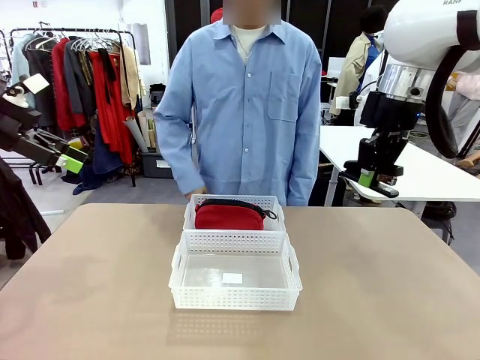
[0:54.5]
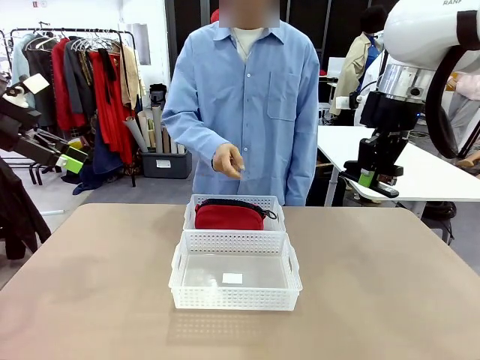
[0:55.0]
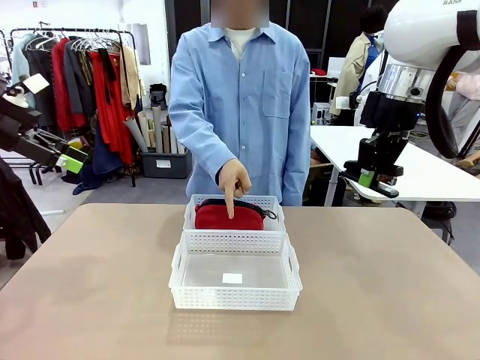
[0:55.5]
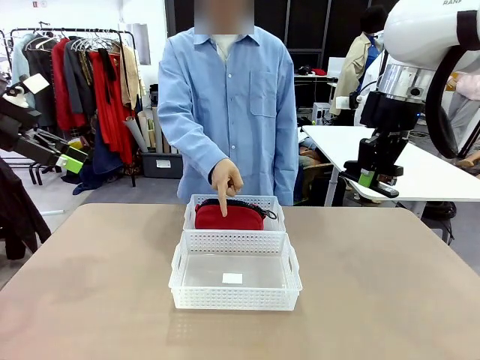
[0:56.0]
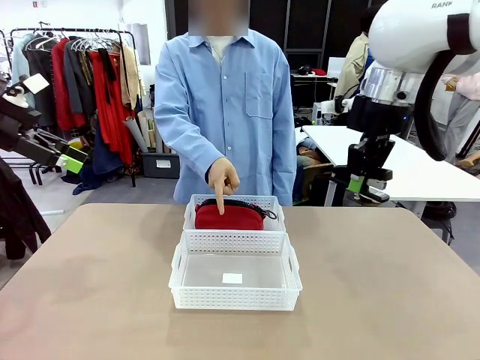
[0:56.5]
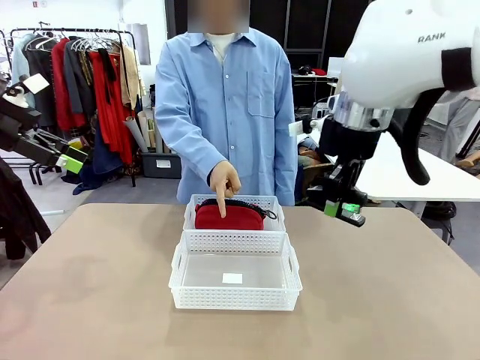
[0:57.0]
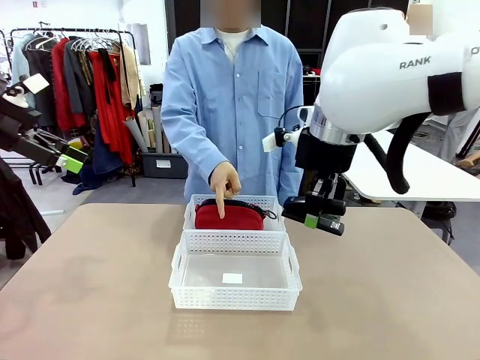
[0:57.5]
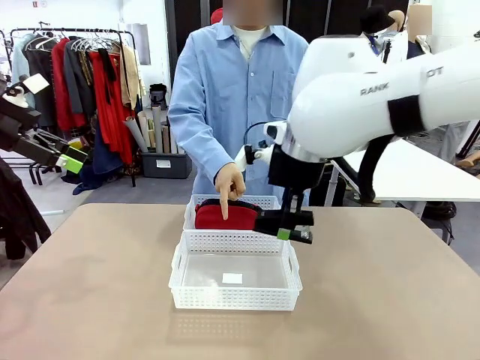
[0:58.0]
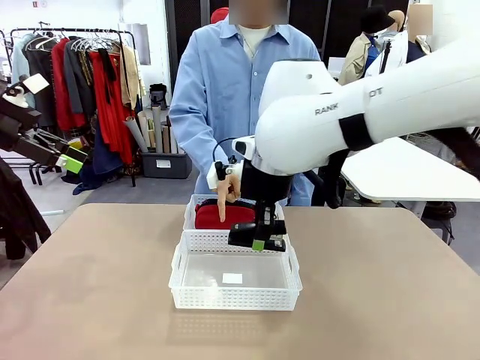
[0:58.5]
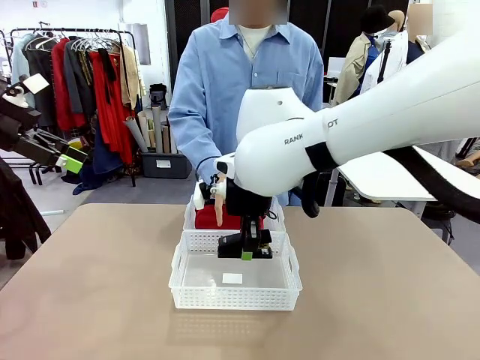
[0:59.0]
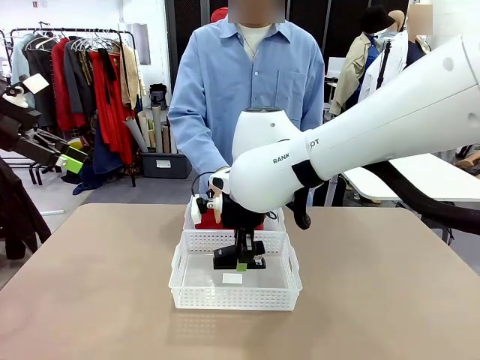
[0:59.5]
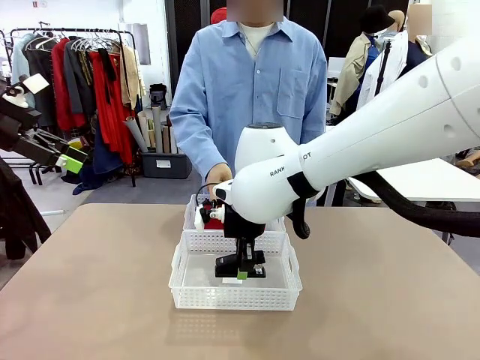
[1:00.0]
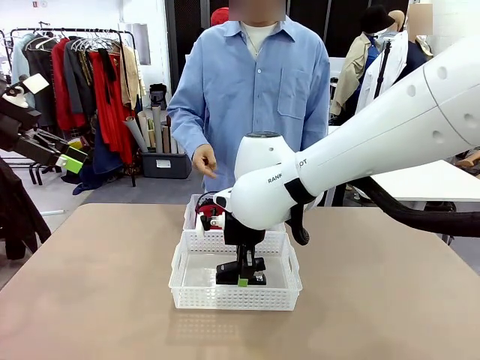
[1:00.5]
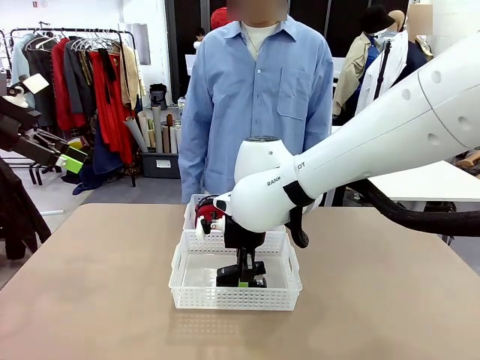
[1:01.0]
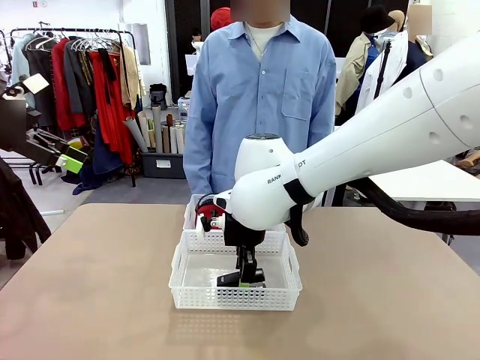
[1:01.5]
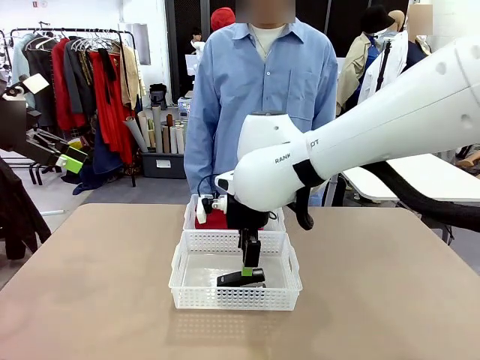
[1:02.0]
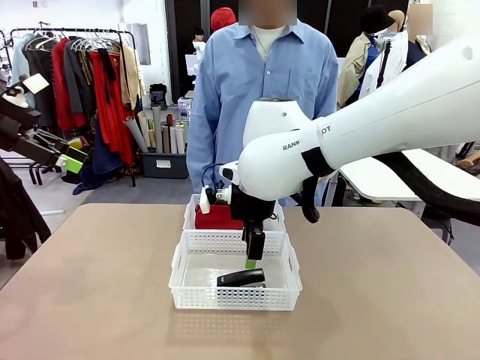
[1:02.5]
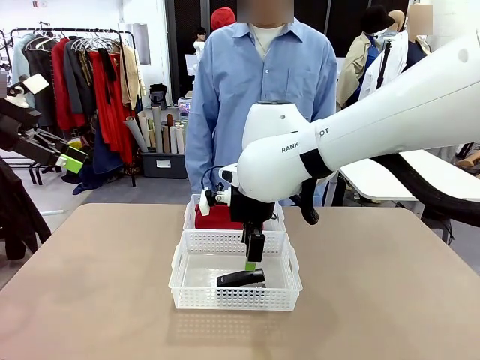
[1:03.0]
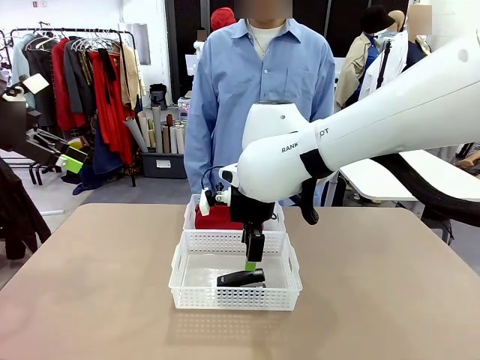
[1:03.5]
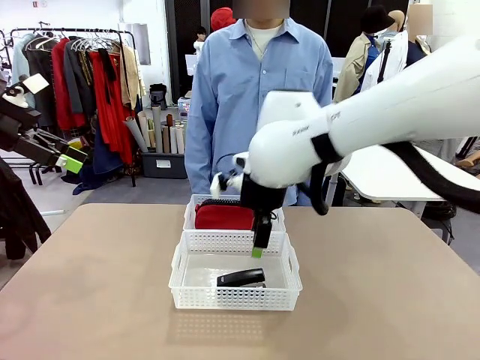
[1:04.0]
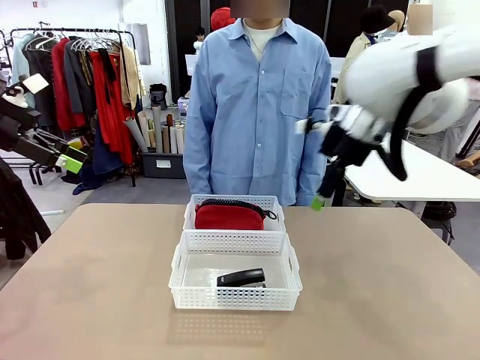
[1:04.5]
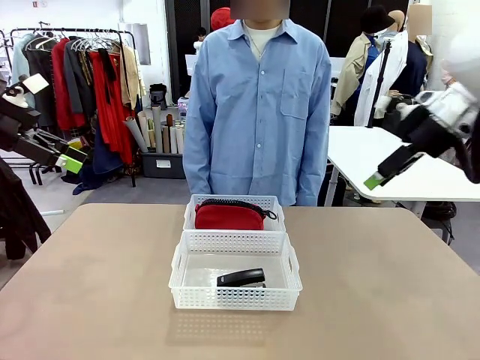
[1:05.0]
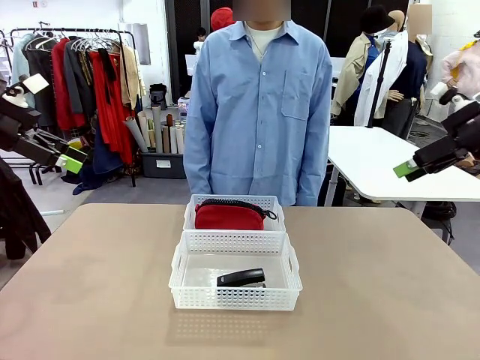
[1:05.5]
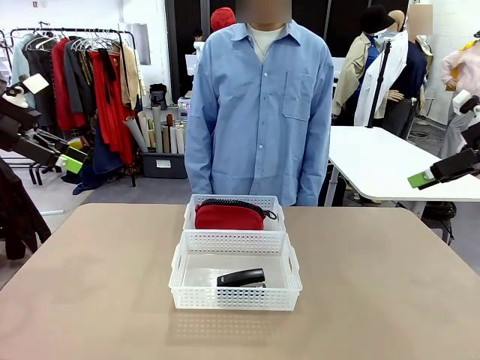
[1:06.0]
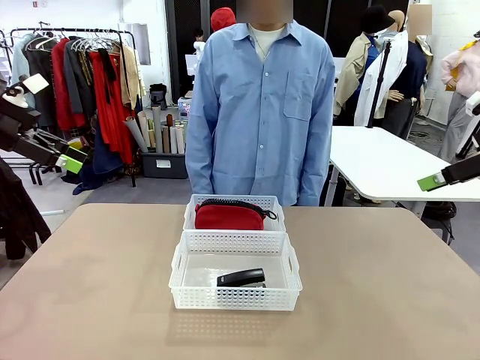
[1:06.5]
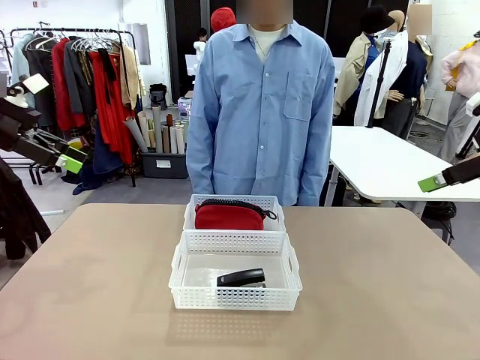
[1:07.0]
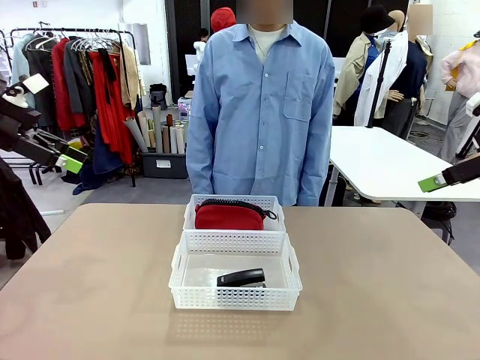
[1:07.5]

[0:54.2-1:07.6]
Task: Distribute items into two baskets.
Robot: Place the picked Stapler into the Organizing basket as instructed by the person.

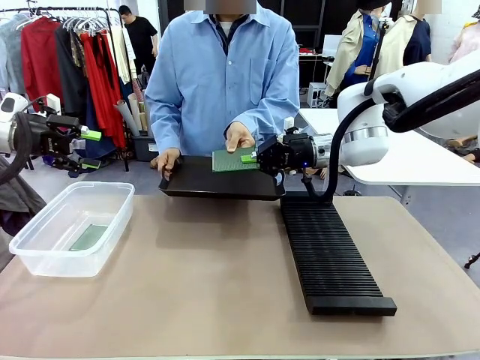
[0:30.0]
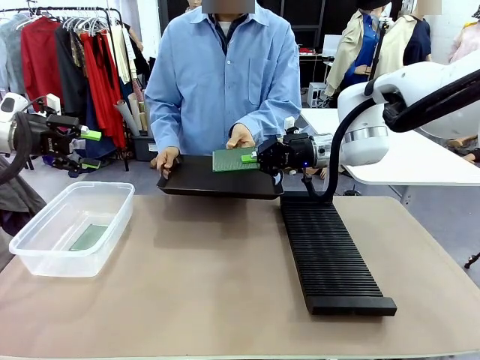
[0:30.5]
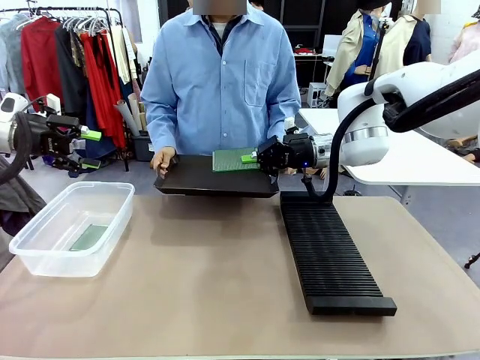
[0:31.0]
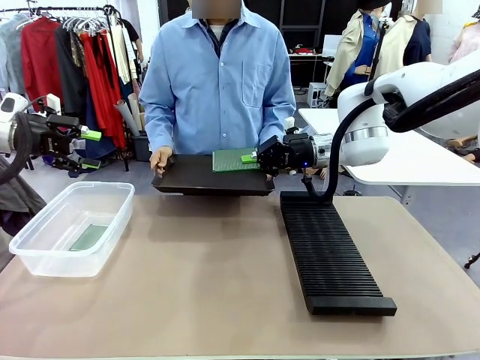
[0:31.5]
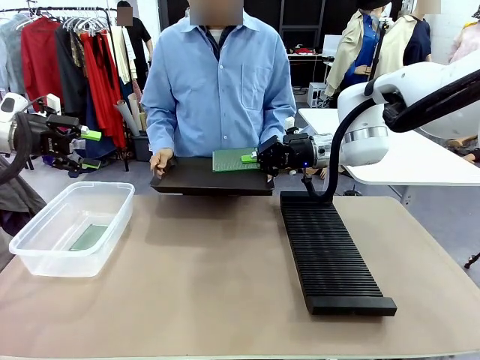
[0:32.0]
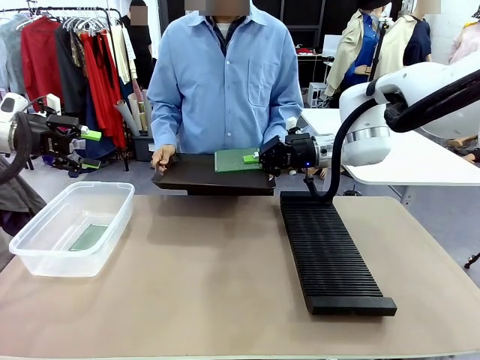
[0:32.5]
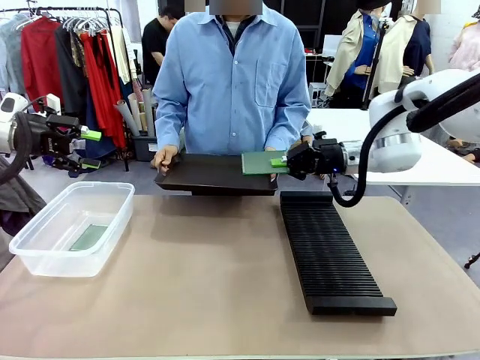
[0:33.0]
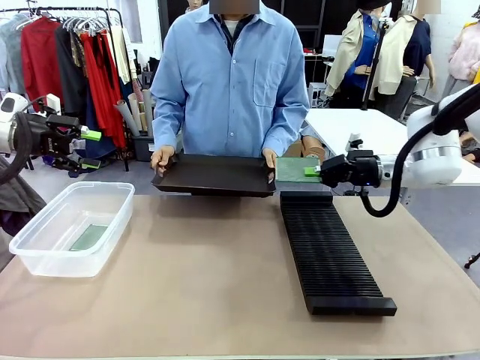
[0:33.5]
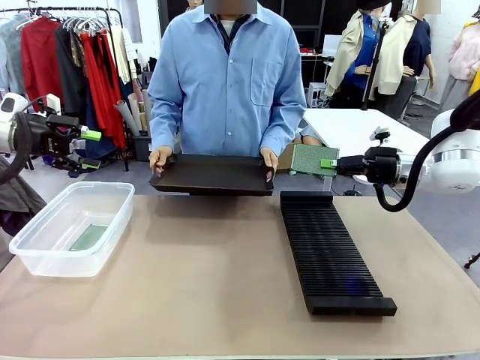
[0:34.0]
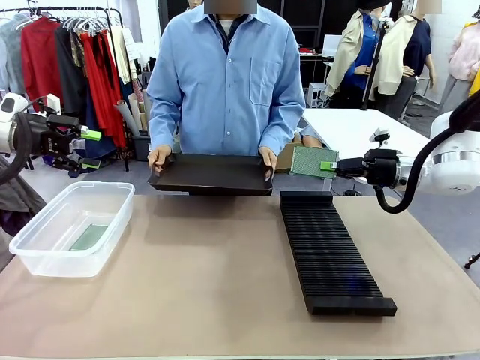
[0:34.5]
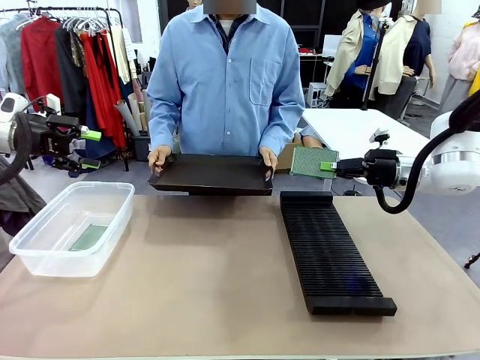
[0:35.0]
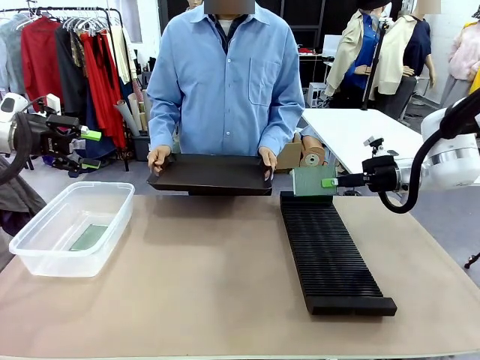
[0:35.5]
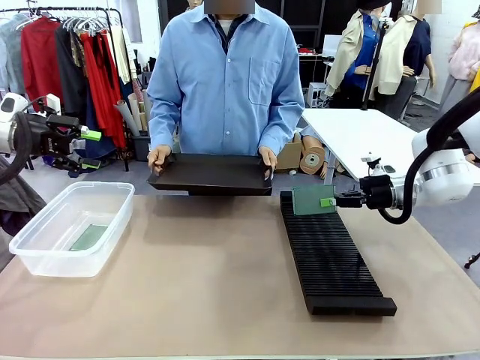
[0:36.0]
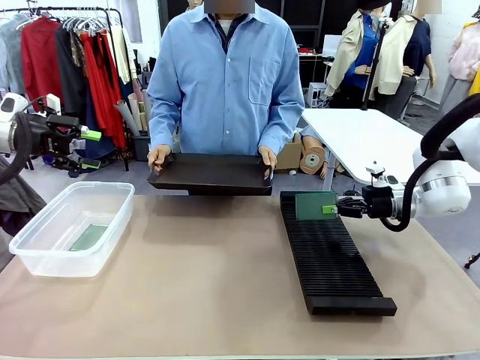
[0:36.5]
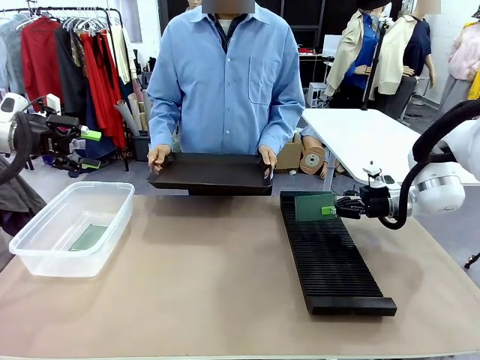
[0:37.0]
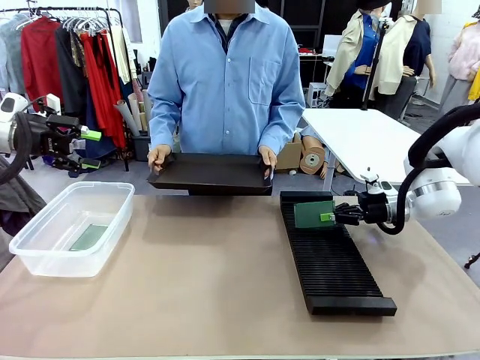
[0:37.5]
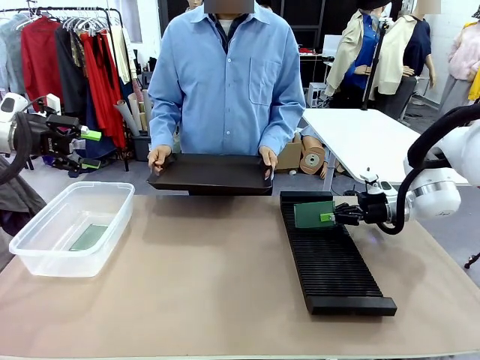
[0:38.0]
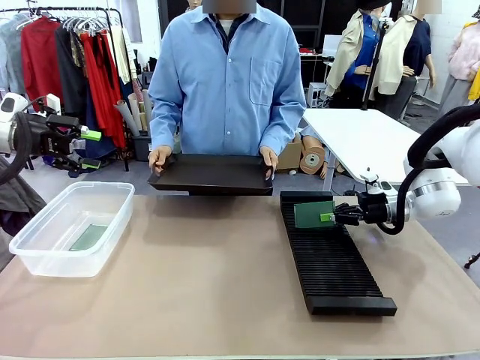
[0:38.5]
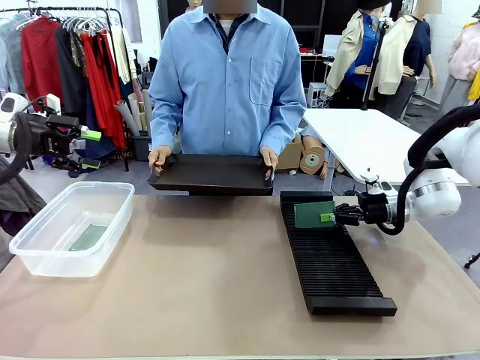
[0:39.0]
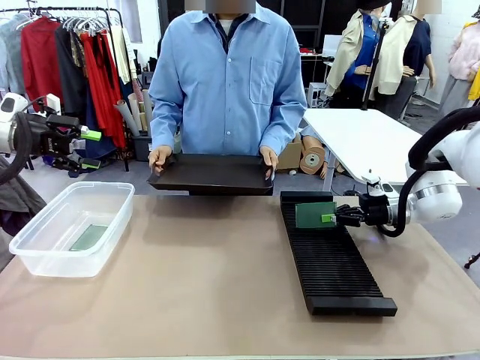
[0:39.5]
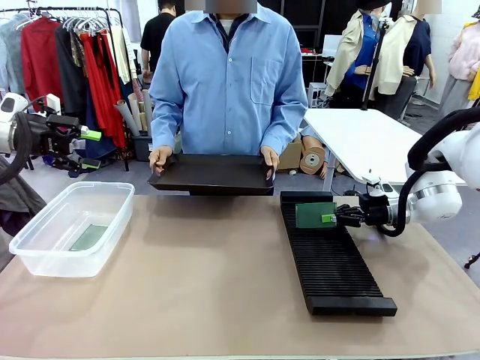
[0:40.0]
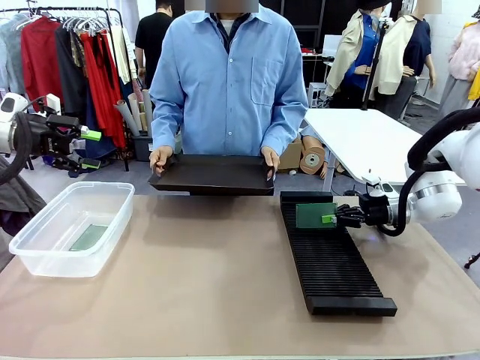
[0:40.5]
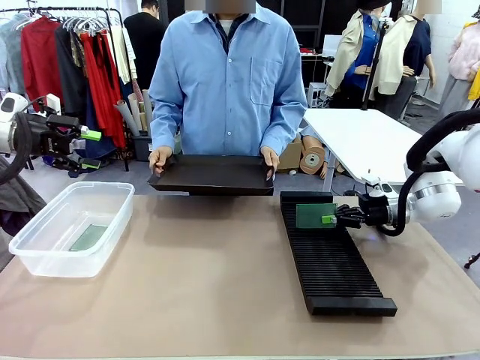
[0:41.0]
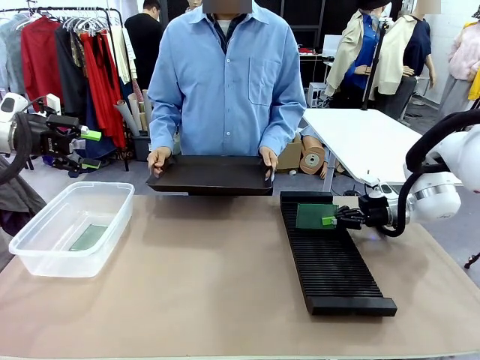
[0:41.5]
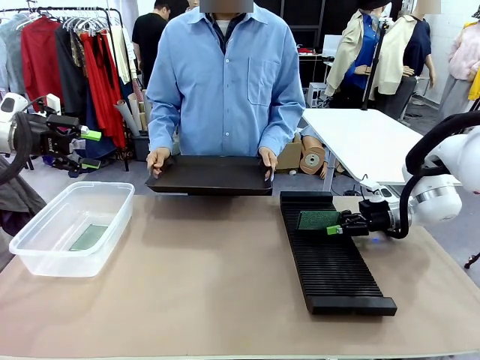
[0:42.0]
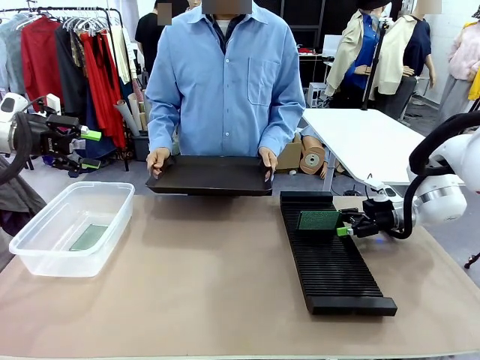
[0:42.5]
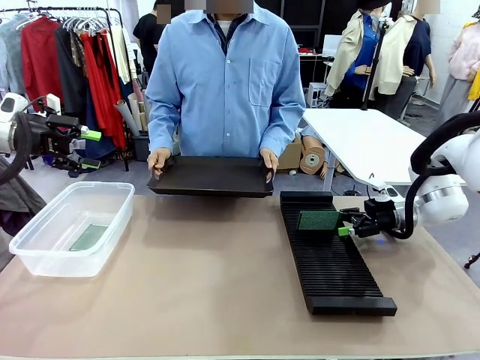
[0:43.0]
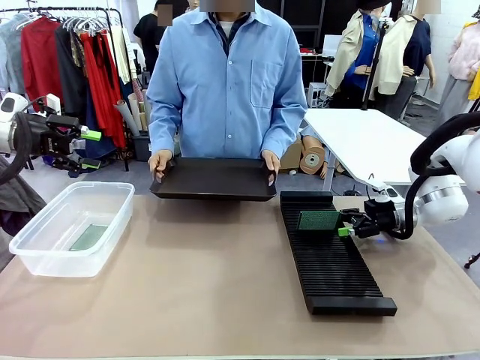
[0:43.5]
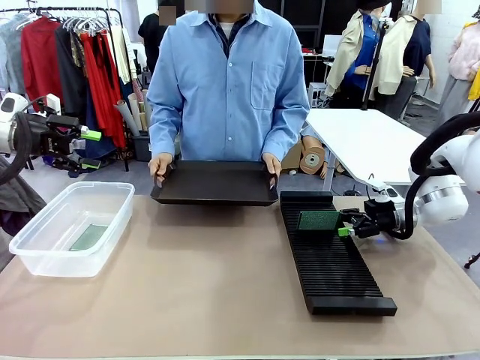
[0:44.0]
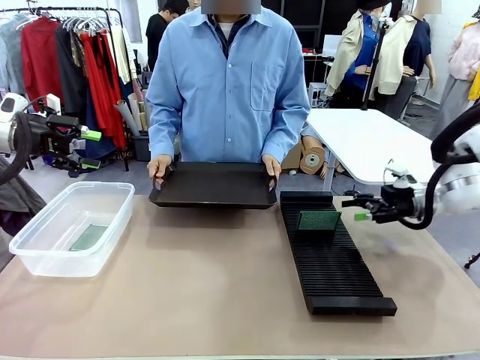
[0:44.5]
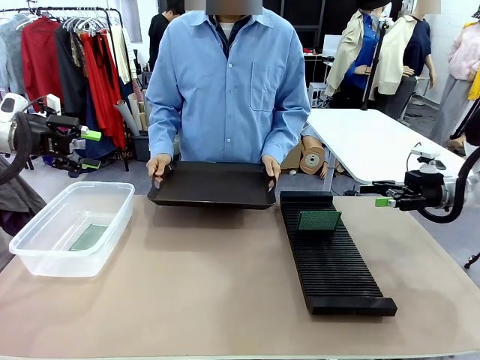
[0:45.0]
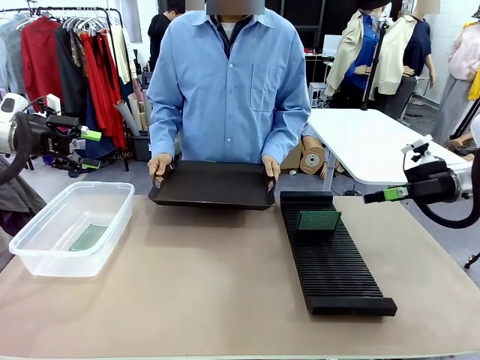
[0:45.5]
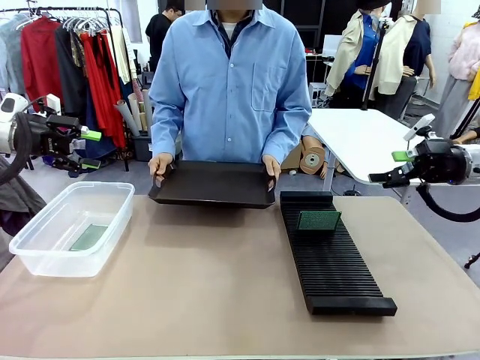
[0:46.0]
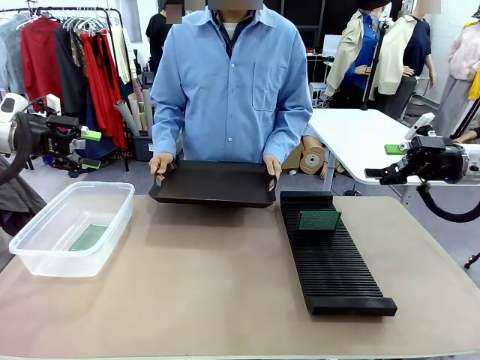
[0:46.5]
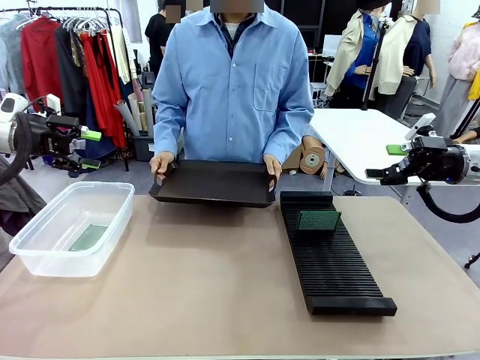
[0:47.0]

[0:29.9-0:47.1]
Task: Sort PCBs into racks and boxes based on the side picked up.
Robot: If the short side of the Blank PCB is picked up, insert it into the PCB Rack ; if the long side is picked up, place it in the Organizing box.
Person: Release the PCB being held.
